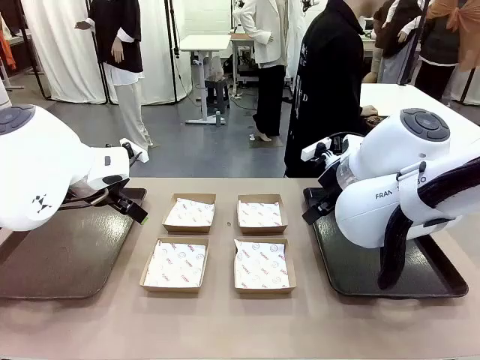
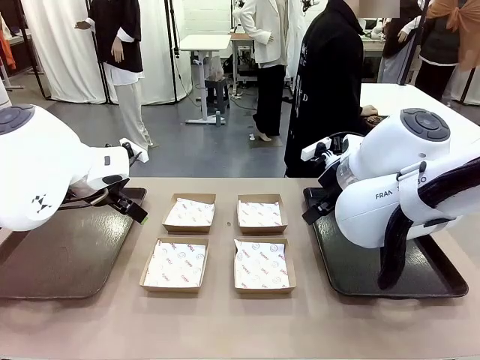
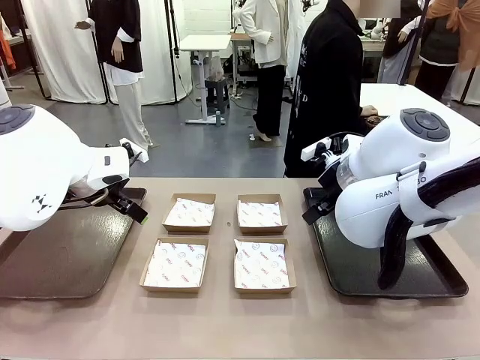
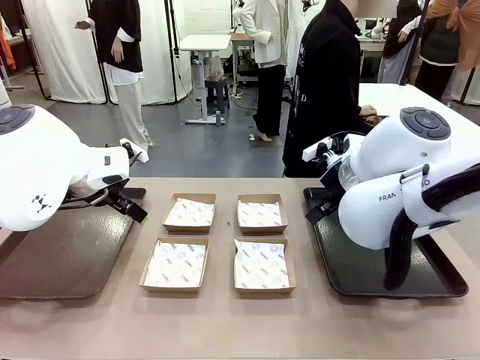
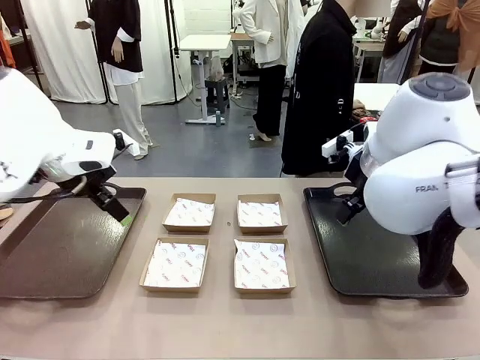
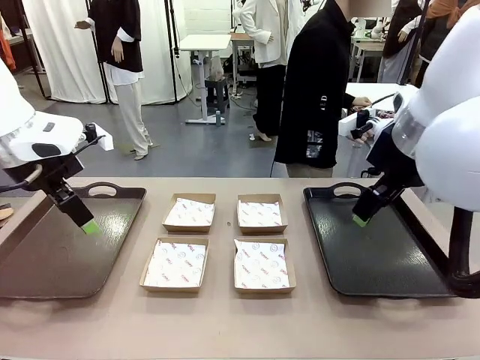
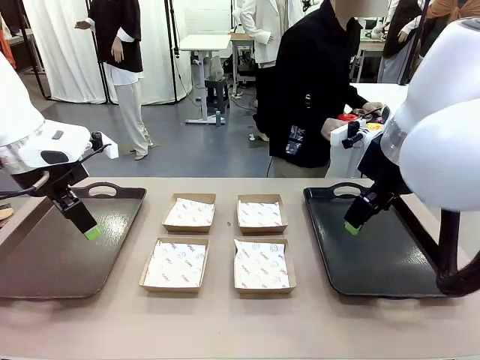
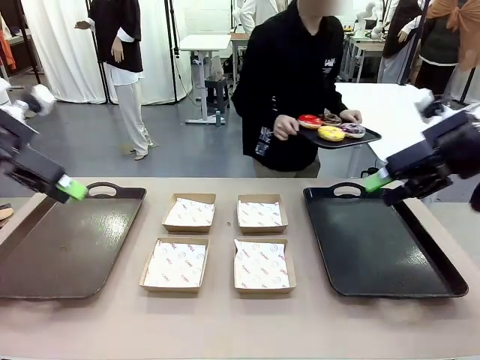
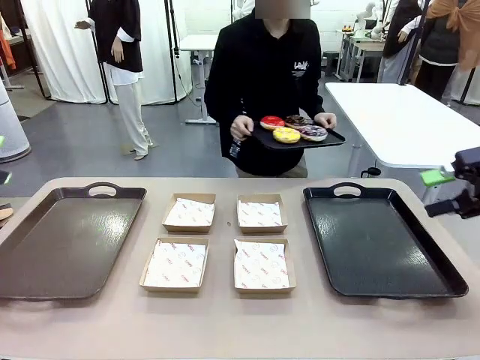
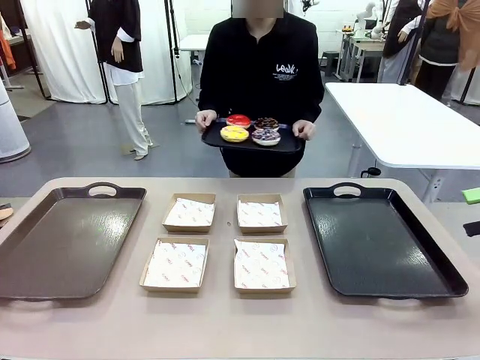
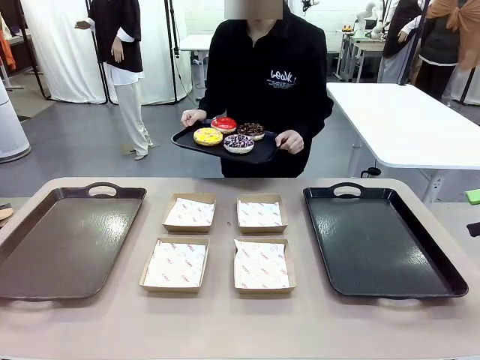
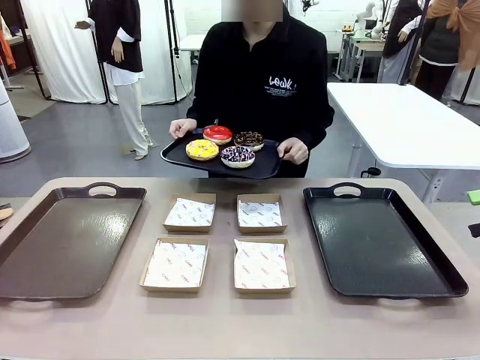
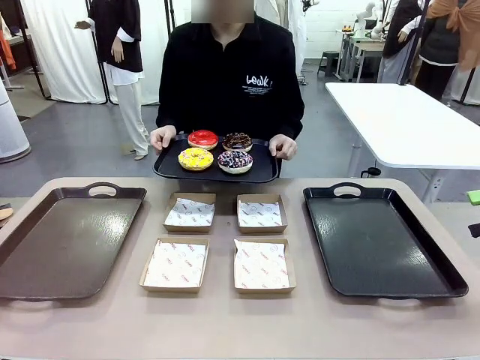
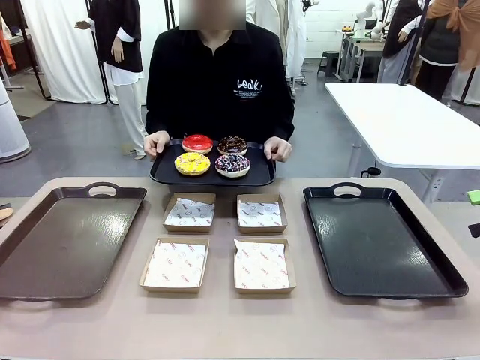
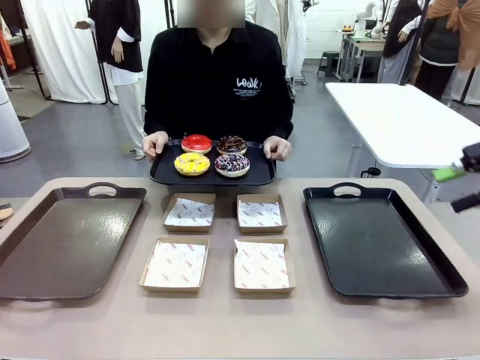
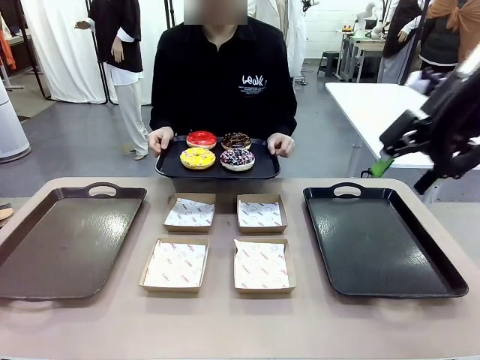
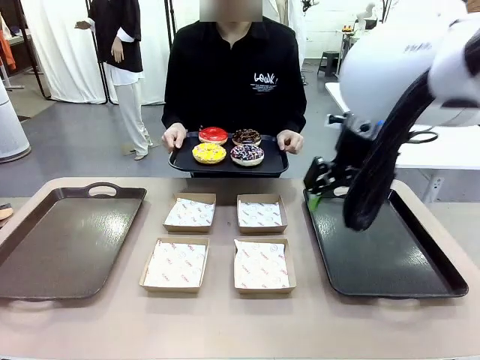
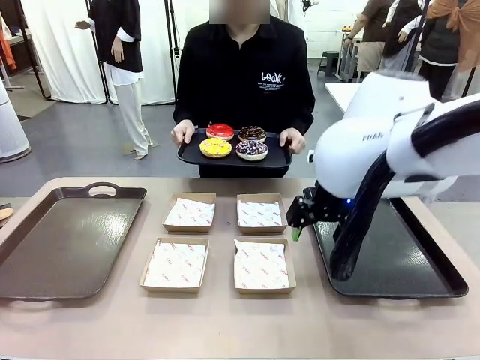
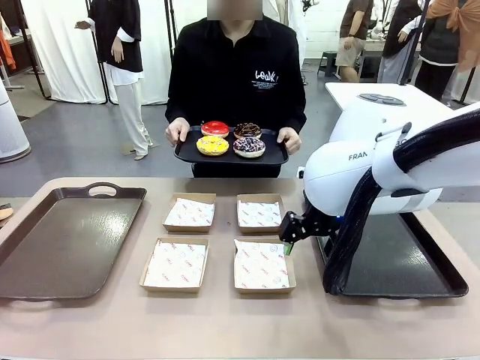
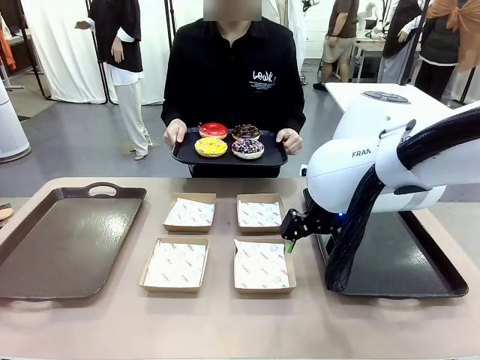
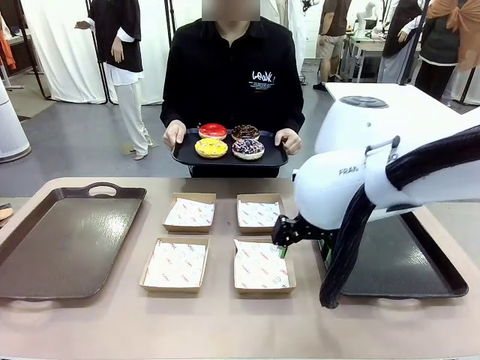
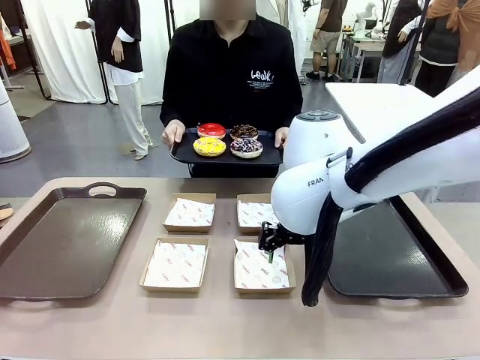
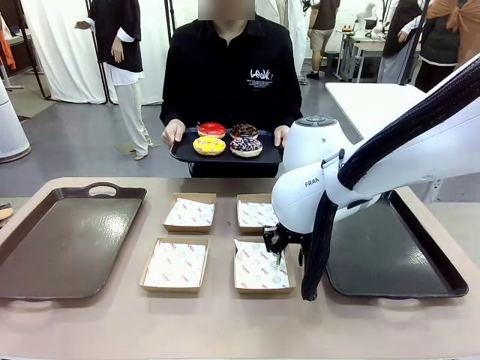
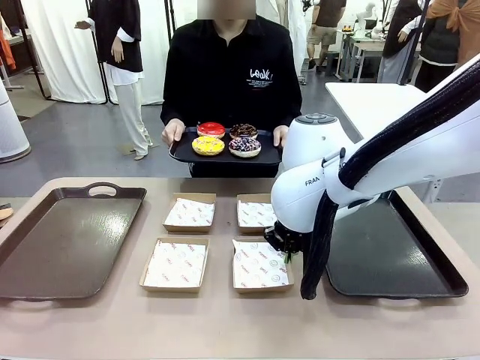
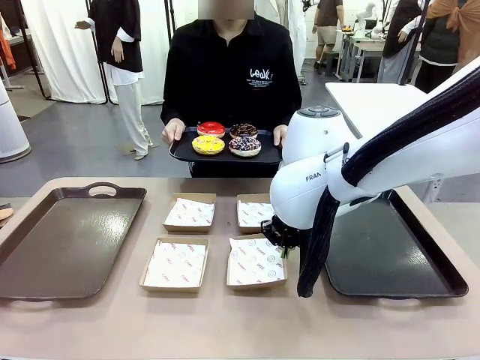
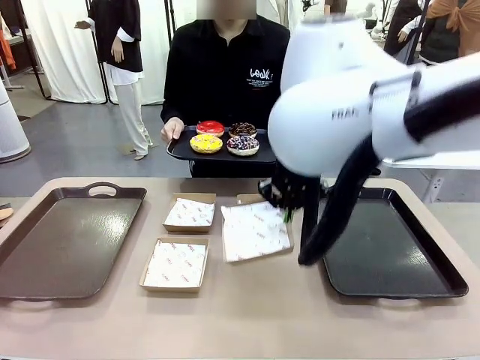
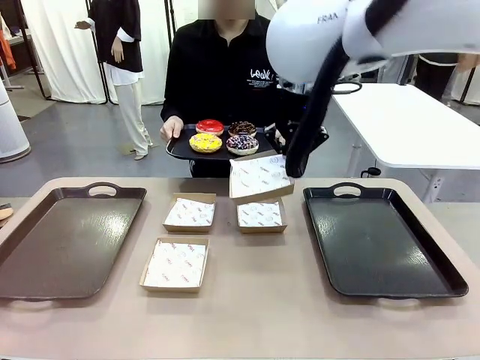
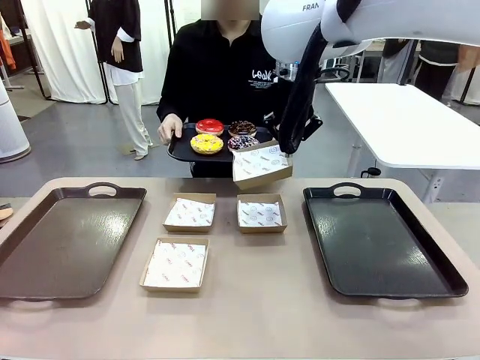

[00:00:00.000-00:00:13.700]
Task: Individually package the donuts and arrange them on the tray.
Robot: Pick up one Paper togo box.
Person: Stand in front of the robot table holding the tray containing the donuts.

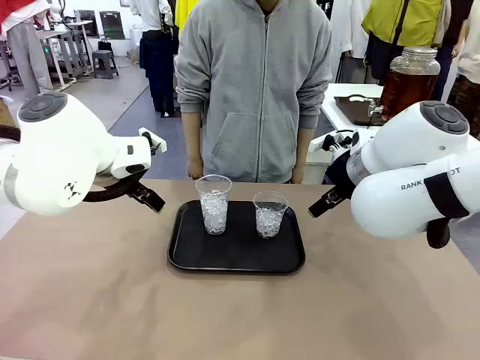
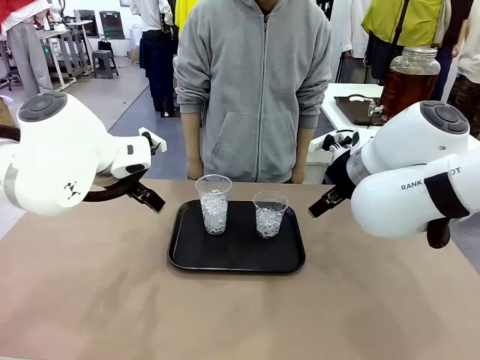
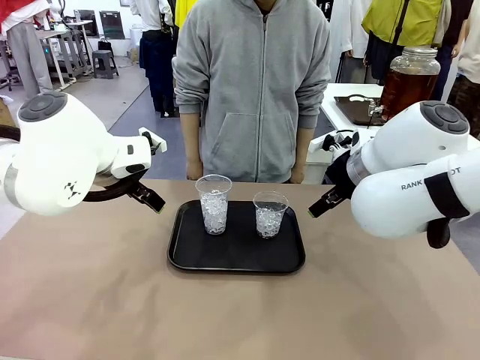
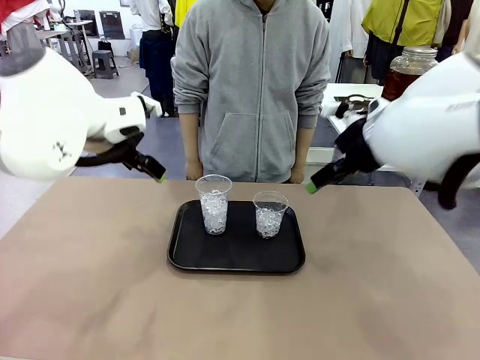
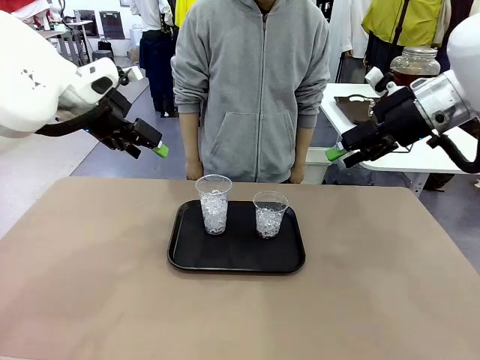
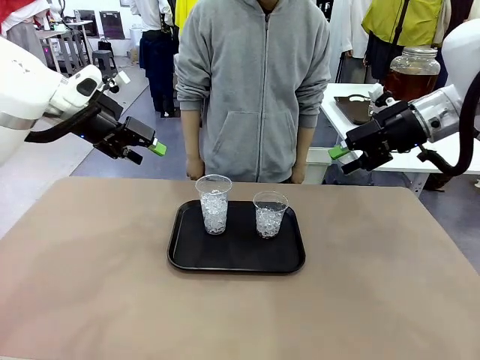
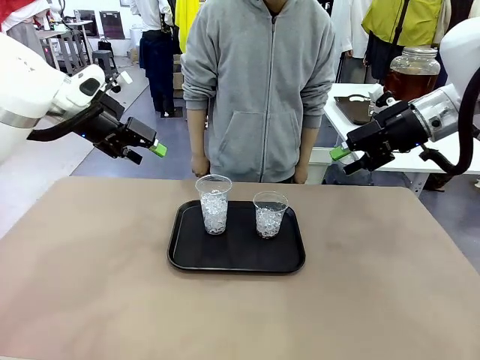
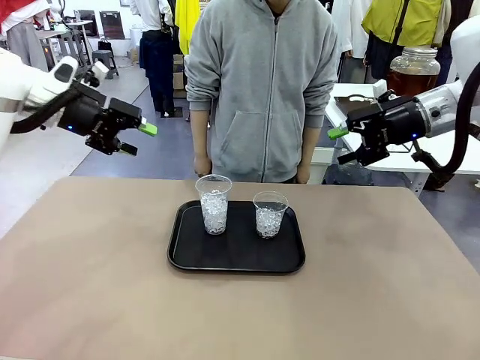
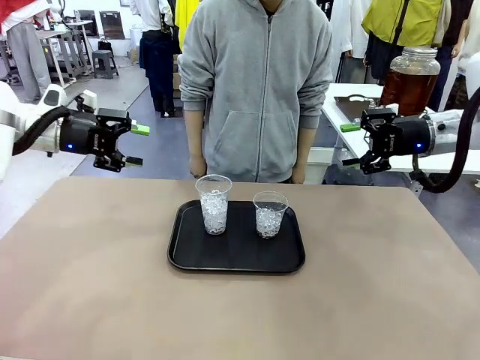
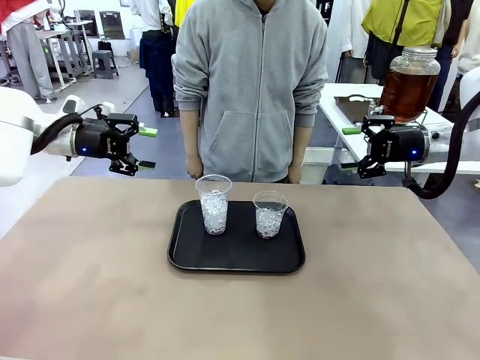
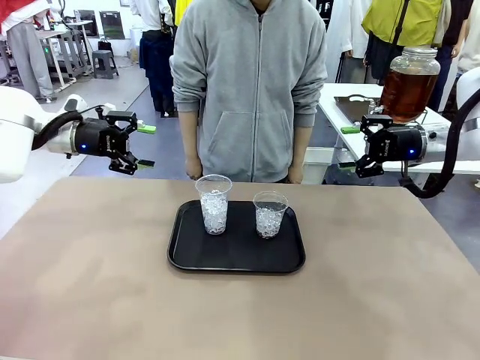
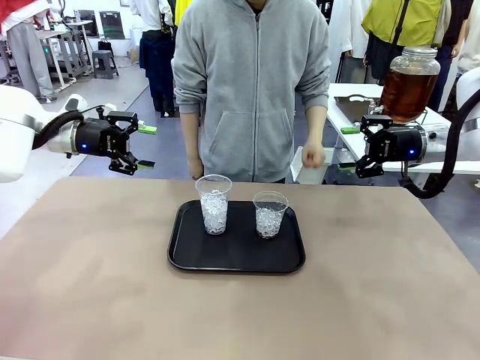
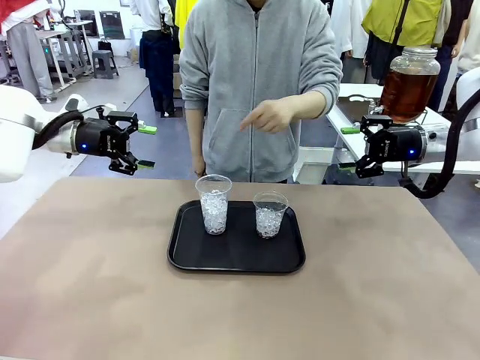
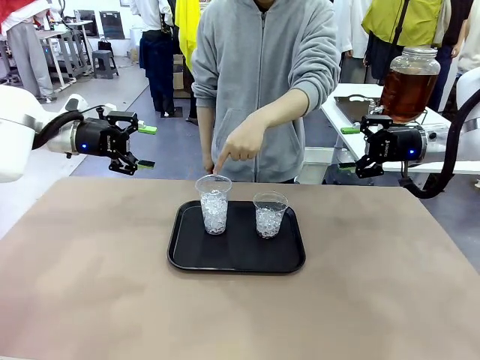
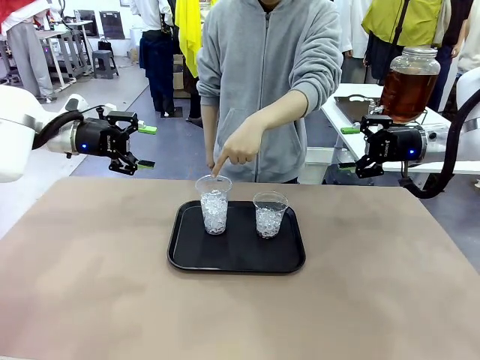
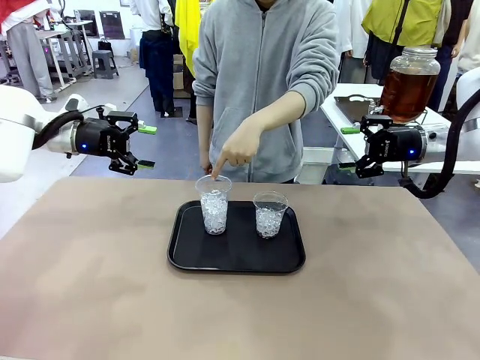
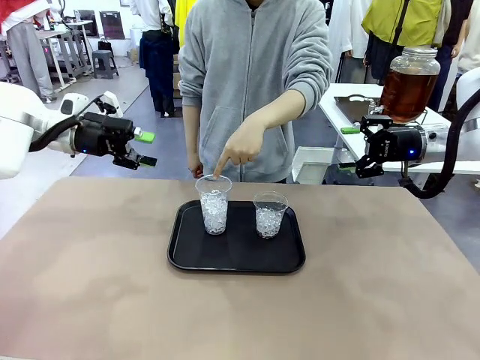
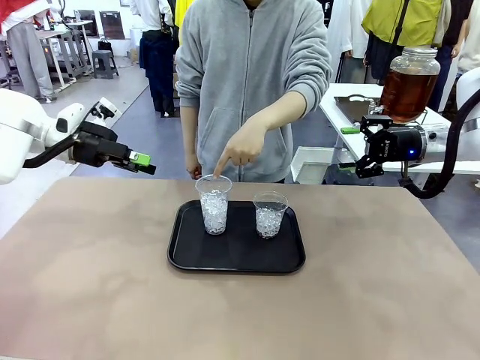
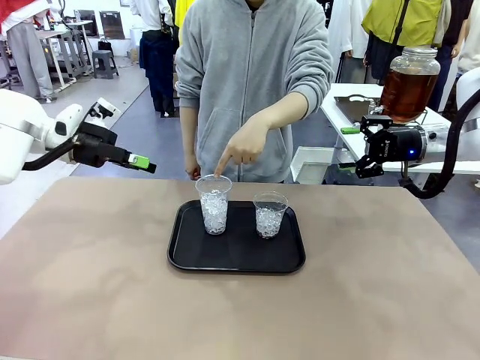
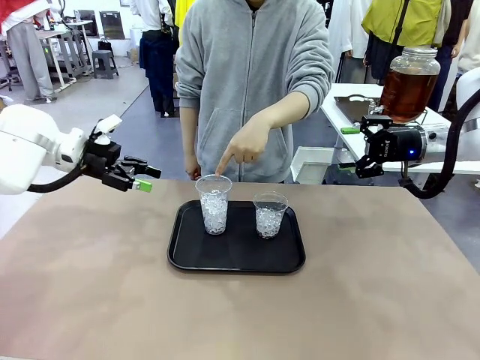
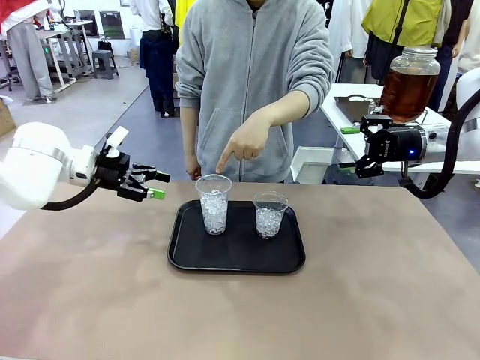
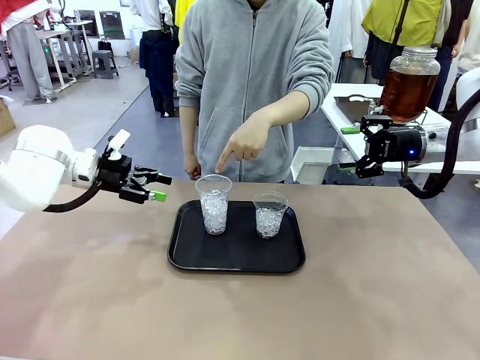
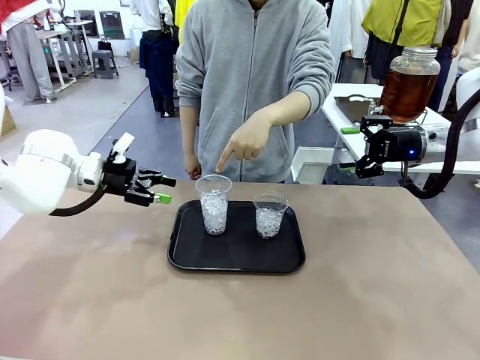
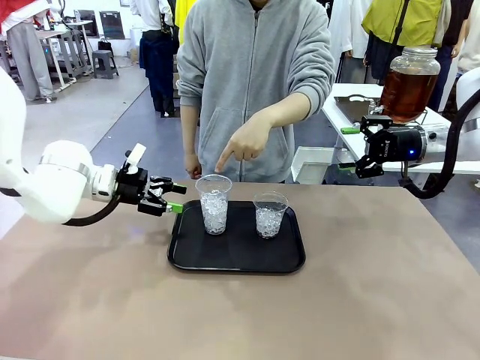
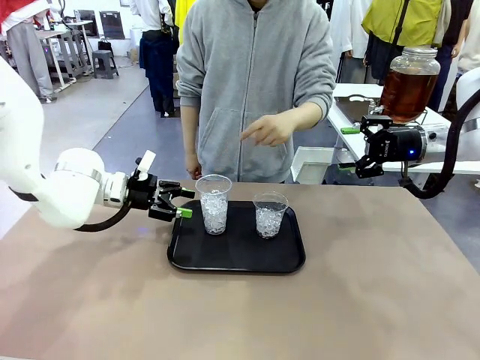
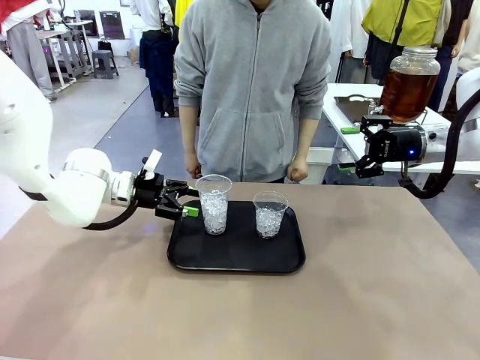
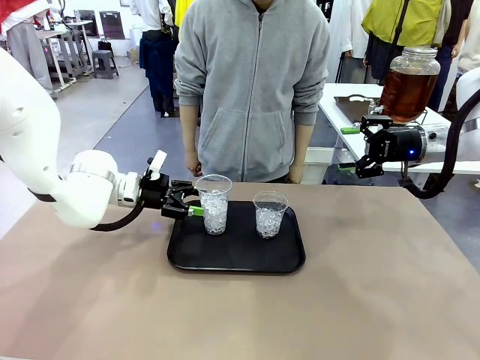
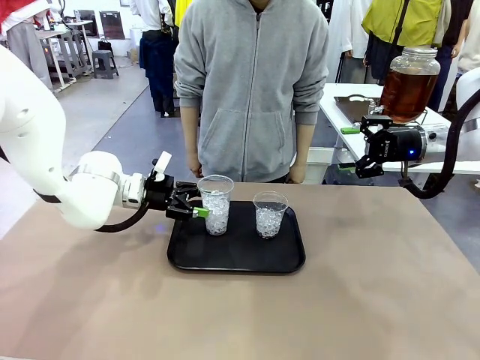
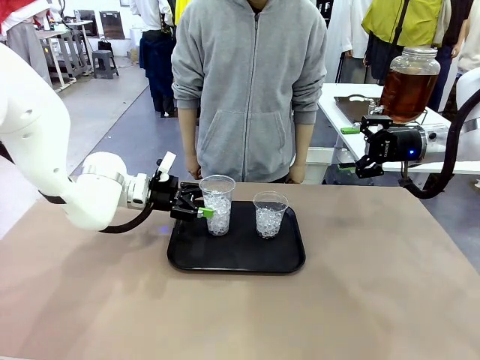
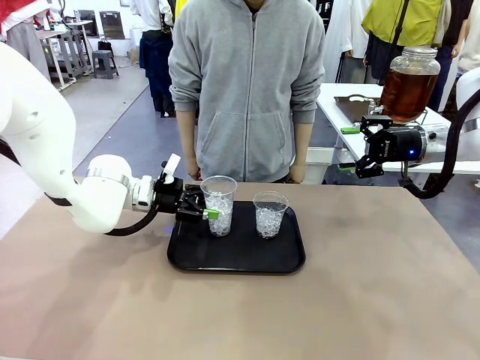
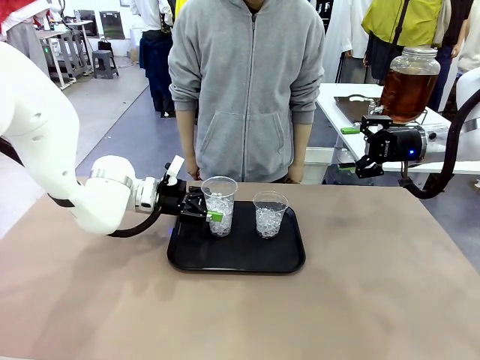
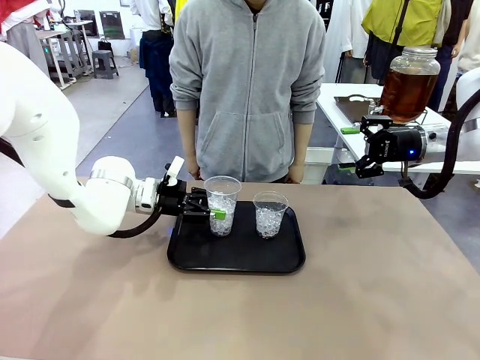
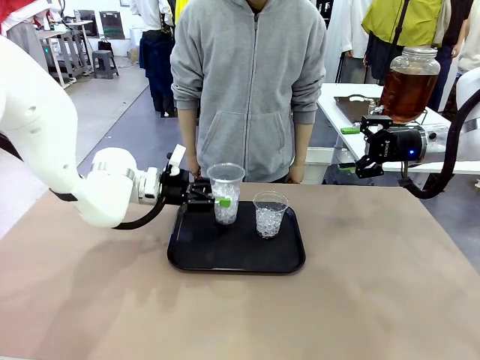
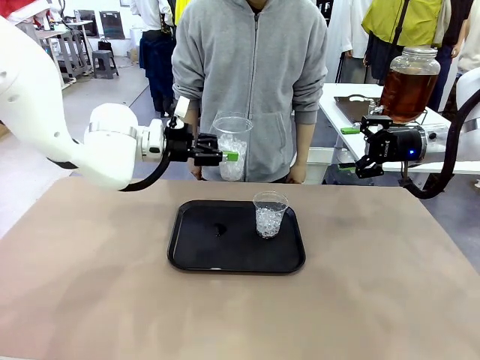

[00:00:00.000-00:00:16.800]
Task: Pour the drink into the iced cup.
Robot: Pick up the iced cup indicated by the human and present it to them.
Person: Point to one of the two ice cups. Pick up the cup offered by the robot.
